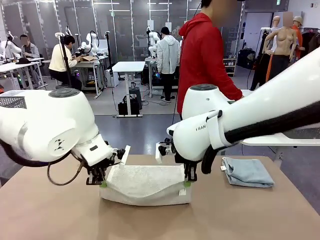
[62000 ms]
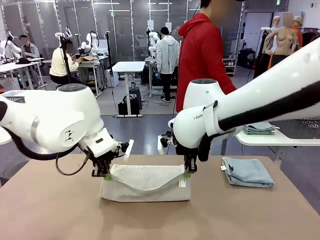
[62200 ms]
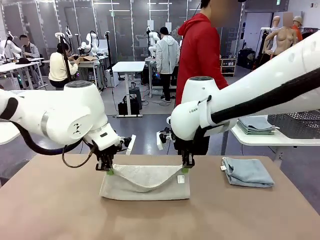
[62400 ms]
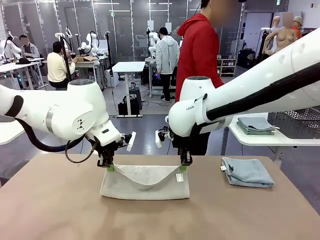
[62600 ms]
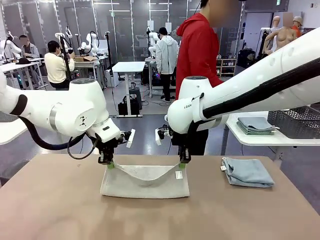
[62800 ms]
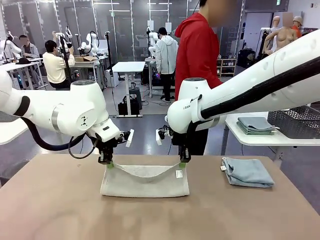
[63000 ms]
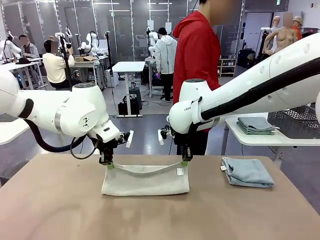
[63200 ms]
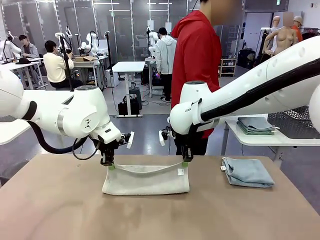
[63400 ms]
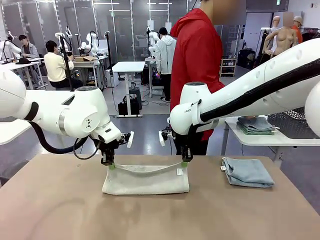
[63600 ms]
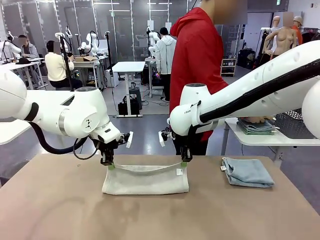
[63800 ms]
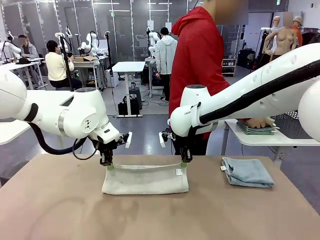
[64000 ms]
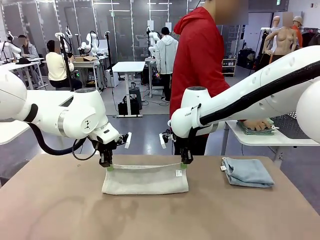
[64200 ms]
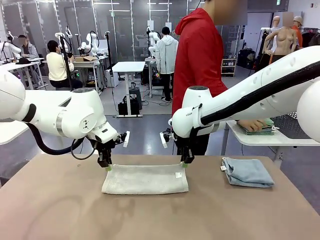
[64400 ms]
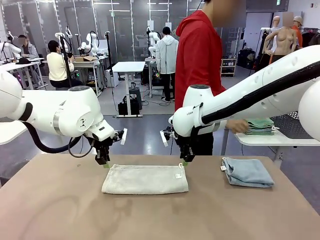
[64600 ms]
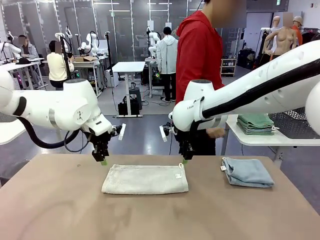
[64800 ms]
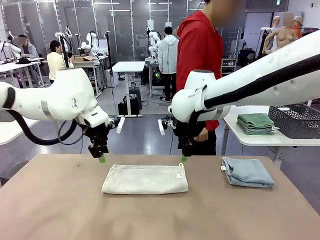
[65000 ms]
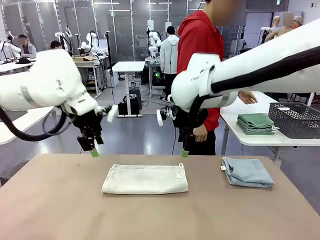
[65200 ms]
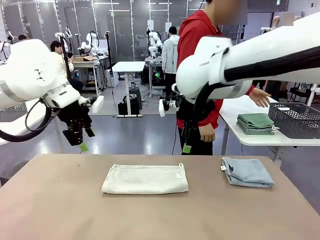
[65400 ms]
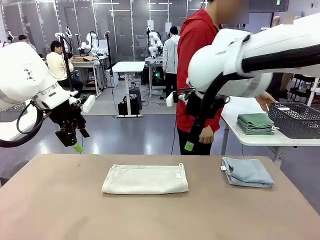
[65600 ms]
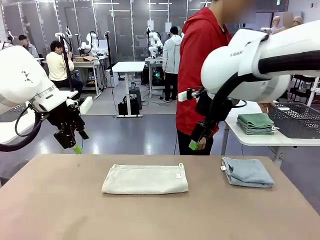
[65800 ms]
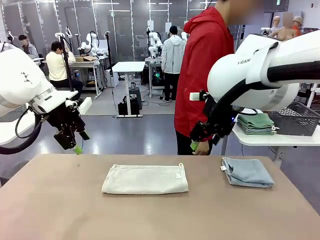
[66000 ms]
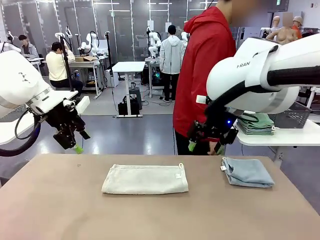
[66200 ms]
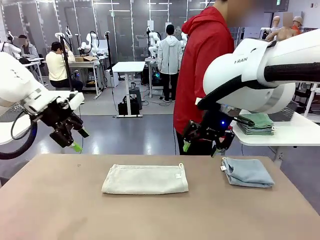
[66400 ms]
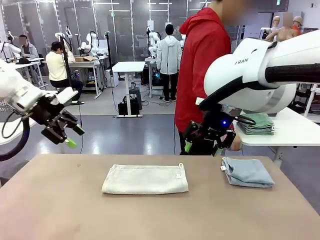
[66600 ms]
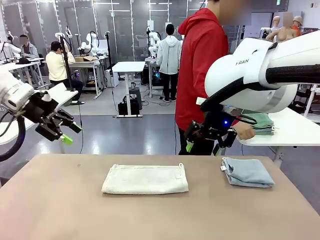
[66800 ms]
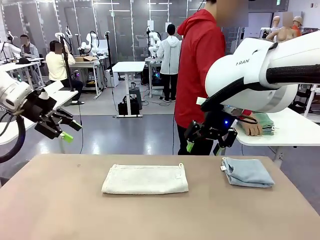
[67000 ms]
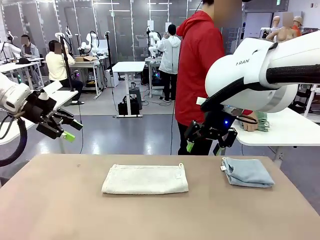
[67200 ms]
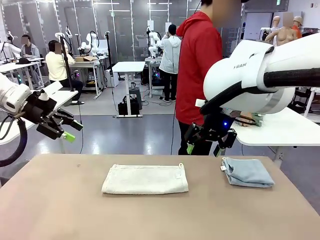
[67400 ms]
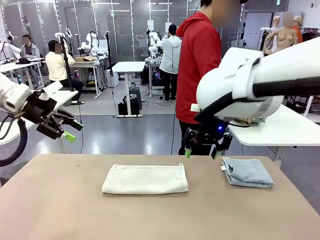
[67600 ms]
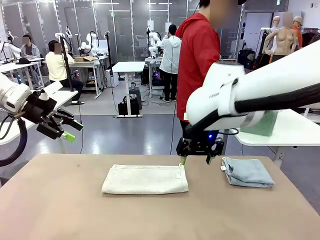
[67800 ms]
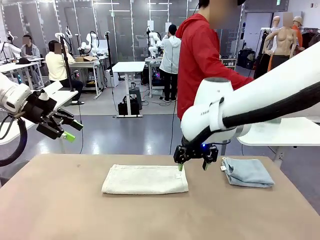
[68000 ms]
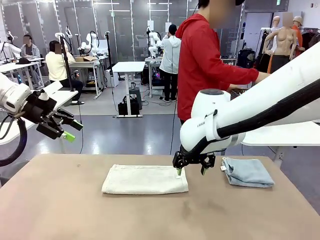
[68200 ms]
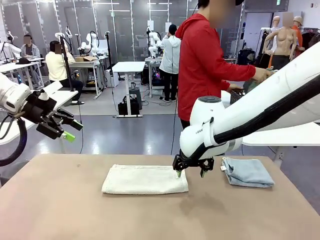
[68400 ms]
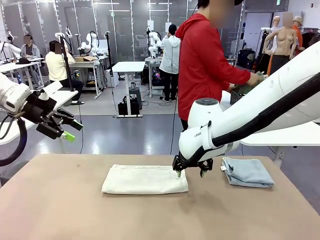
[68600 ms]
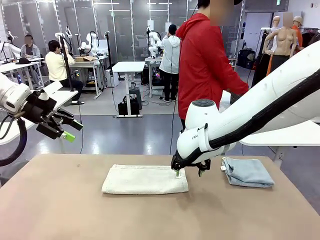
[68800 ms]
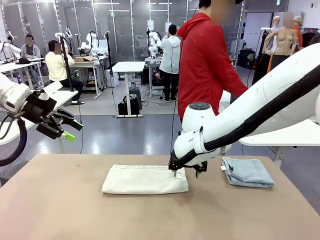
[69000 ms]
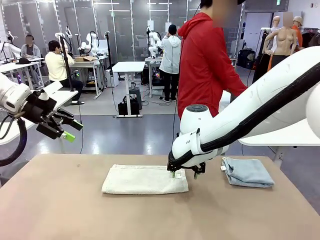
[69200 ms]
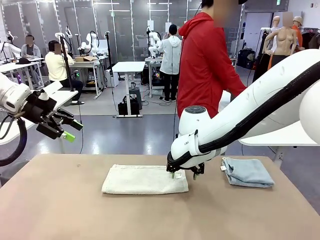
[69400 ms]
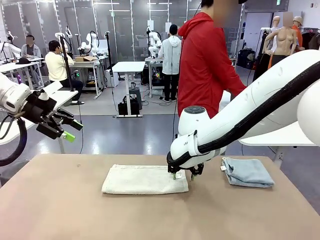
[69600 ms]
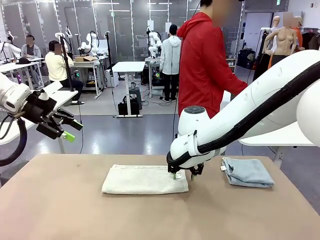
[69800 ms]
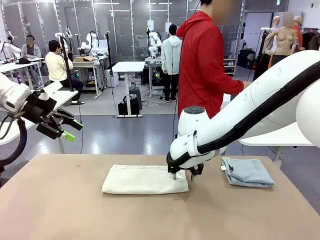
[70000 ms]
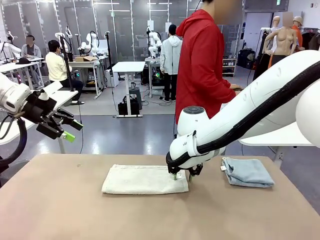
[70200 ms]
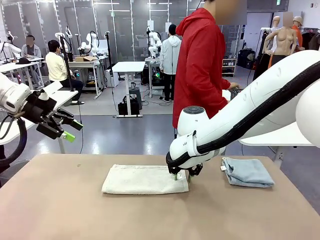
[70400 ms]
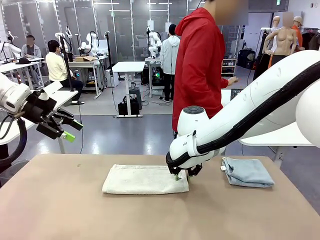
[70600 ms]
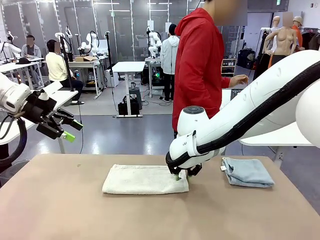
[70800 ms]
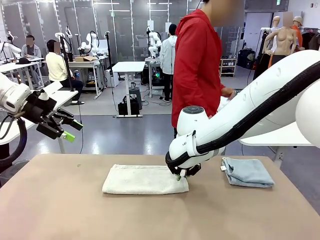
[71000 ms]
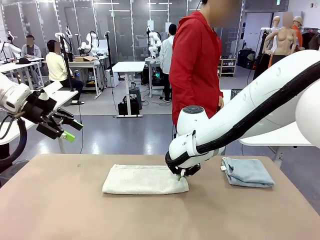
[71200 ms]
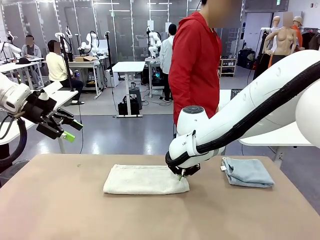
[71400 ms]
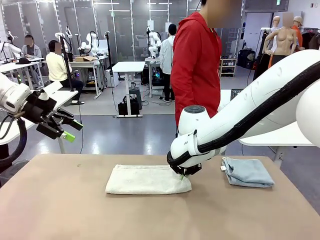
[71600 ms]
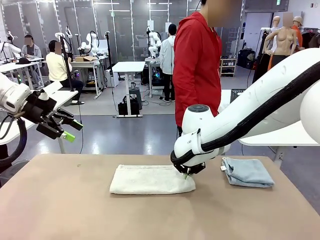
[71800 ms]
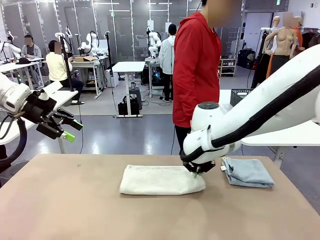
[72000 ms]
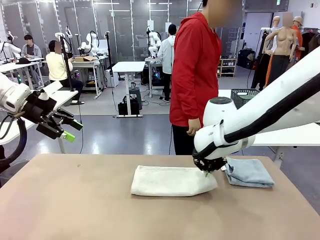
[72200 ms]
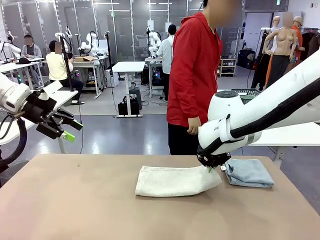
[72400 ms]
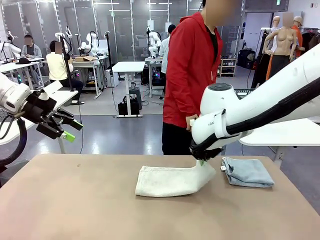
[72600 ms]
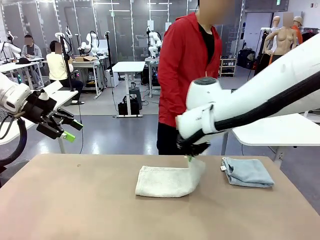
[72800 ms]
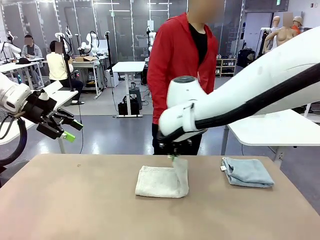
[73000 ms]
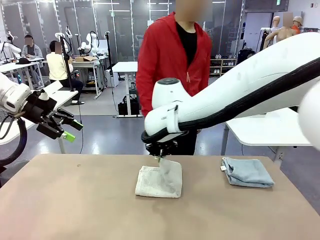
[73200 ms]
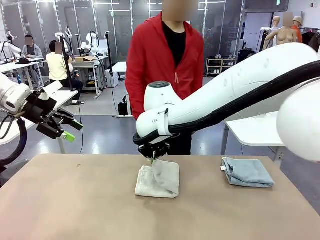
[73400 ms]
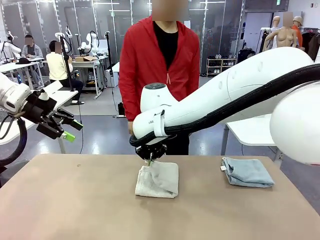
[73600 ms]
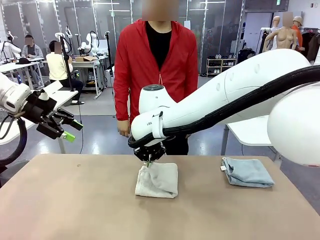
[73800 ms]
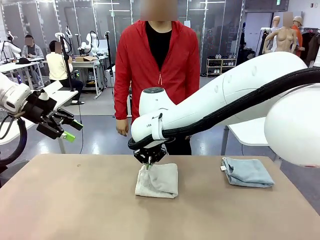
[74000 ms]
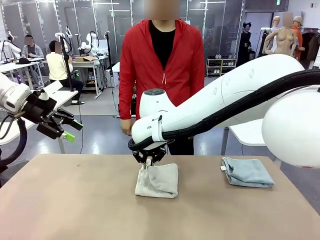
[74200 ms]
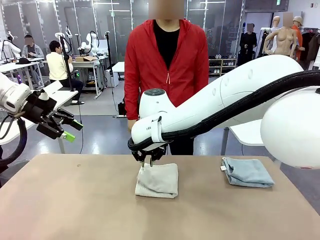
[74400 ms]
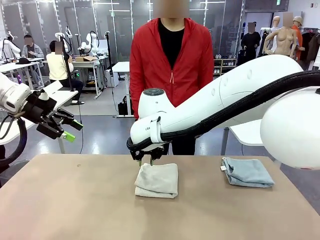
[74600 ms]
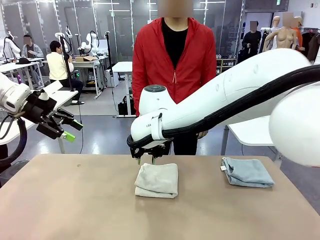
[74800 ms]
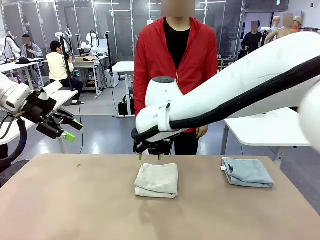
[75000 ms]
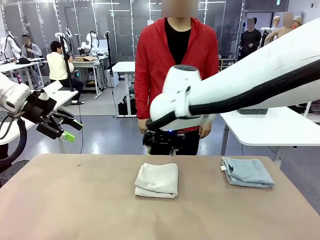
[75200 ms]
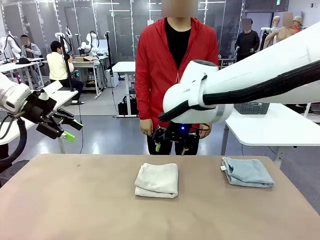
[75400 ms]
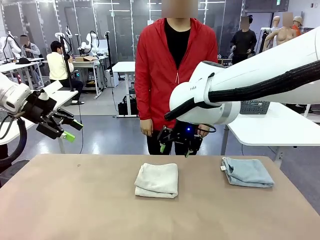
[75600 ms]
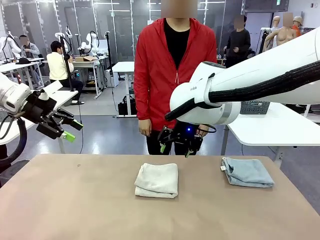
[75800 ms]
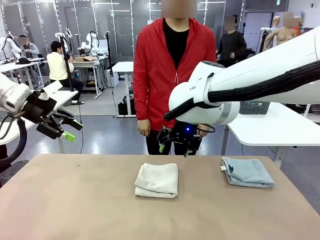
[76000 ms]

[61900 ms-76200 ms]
Task: Fold the towels and place them in the basket.
Robot: When a person lays out a Towel with hook on the table, fold it in half twice.
Person: Pick up the stack of towels from the right side of the human table, place it into the basket, and put the basket at the center of the table.

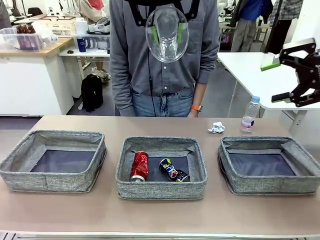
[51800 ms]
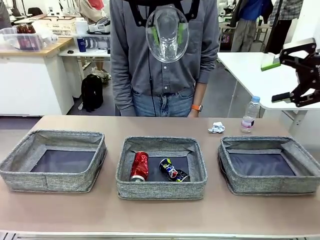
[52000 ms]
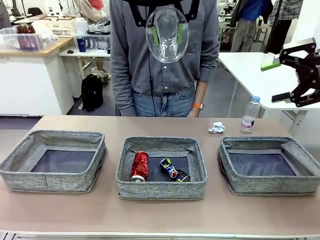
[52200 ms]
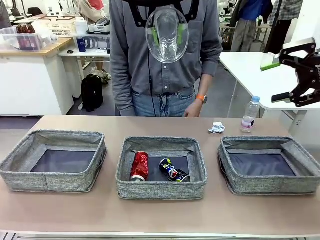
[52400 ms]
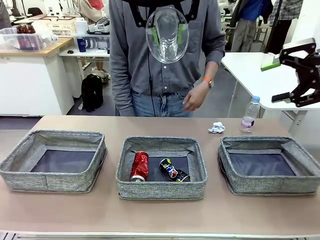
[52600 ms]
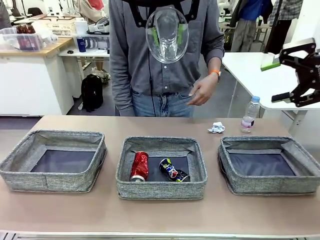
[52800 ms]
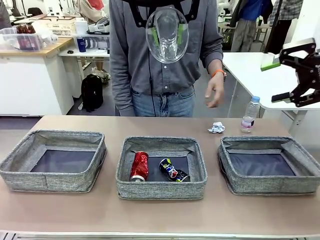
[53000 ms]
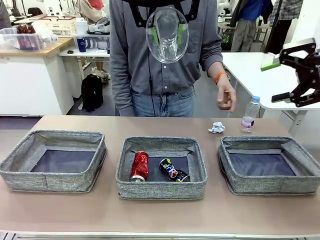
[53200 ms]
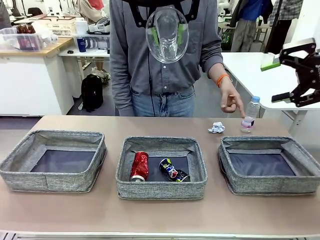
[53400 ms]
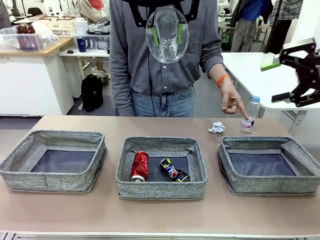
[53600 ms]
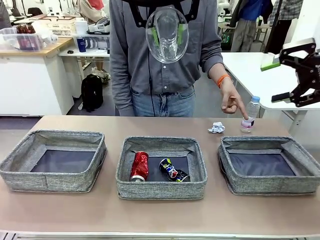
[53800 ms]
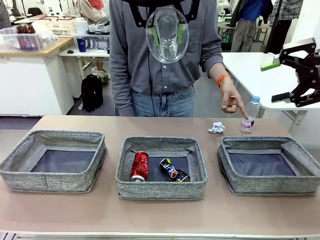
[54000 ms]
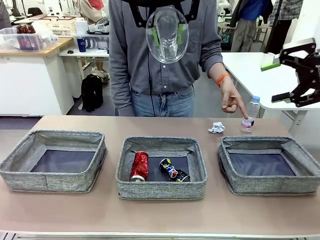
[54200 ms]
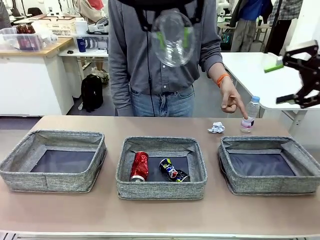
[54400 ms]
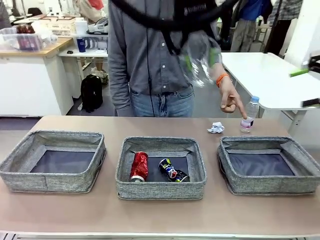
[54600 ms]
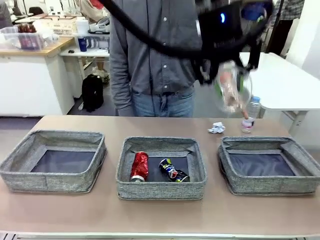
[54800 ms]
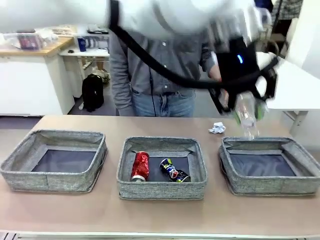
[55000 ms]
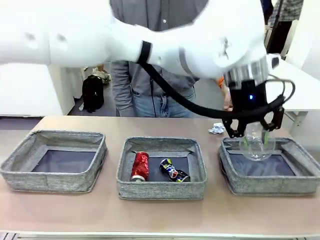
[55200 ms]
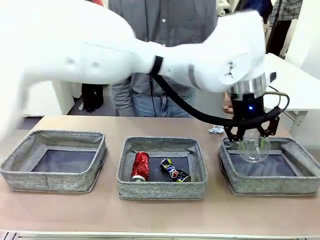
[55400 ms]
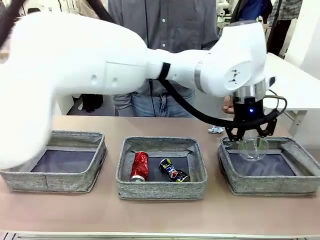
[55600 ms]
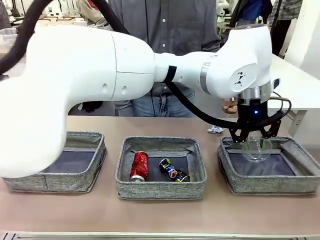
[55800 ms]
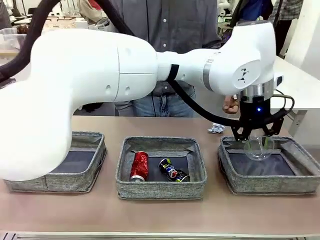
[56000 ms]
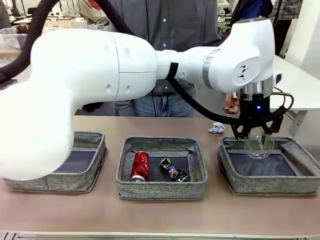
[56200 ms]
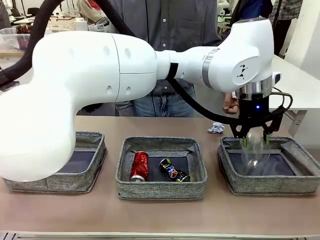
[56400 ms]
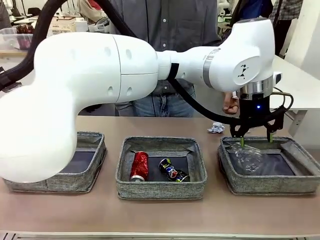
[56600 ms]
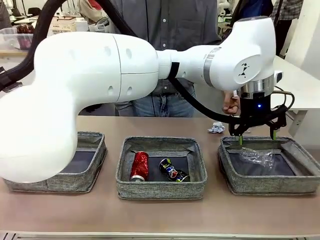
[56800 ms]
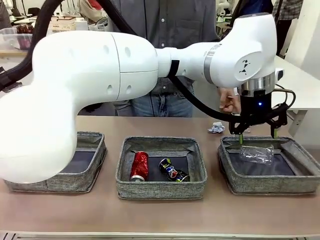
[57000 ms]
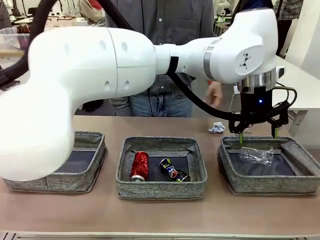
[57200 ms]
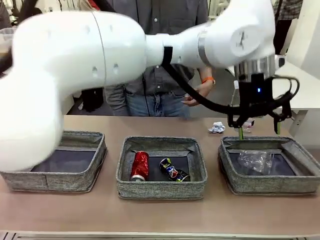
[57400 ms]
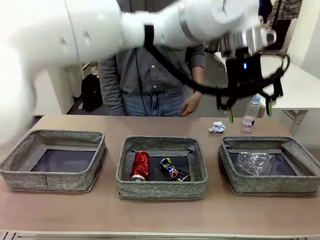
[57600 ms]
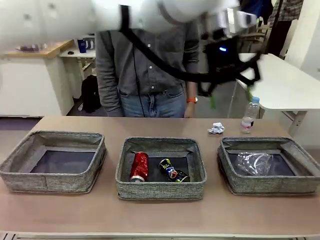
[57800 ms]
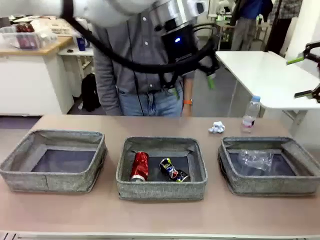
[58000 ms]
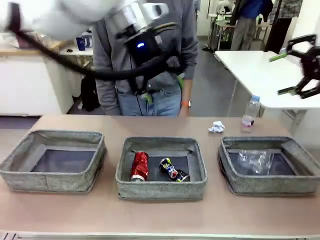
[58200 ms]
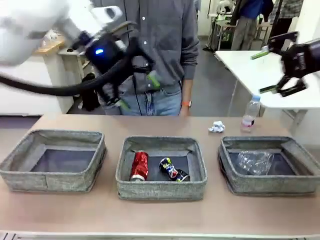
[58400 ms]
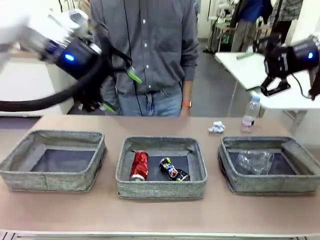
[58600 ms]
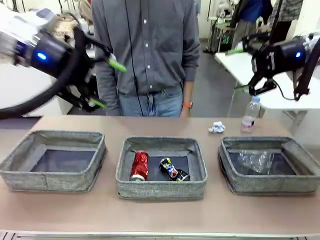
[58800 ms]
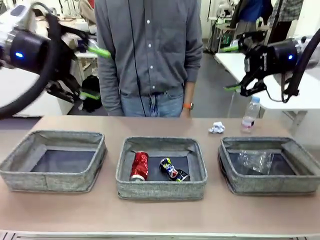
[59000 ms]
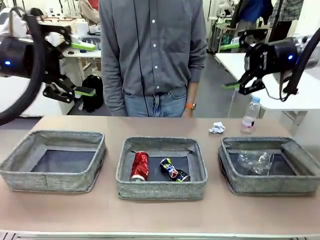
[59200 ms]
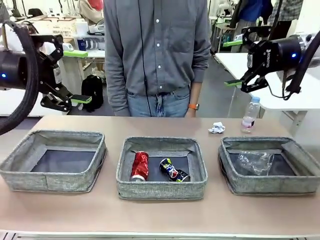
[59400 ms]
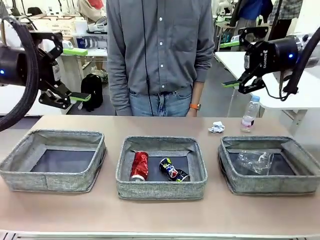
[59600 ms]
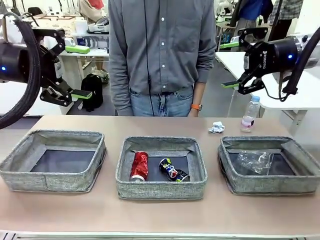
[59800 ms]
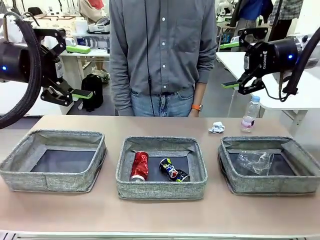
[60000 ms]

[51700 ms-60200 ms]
Task: Sort the waste into the appropriate baskets.
Robot: Place the picked waste into the Fabric basket indicated by the person.
Person: Instructs the robot to place the picked-up trash into the appropriate organizing basket.
